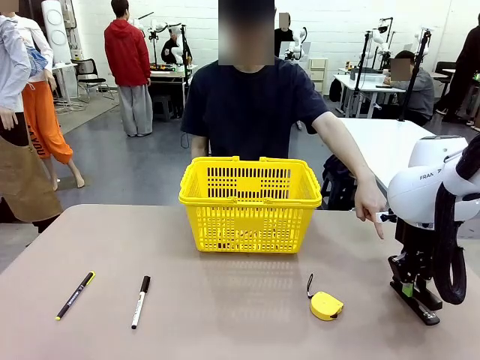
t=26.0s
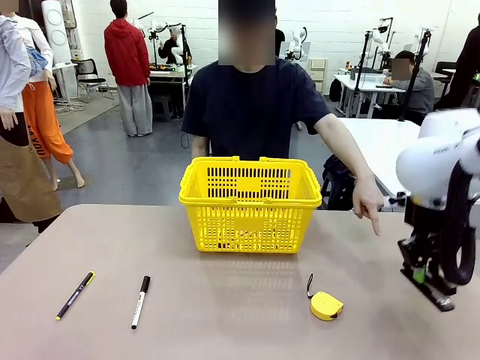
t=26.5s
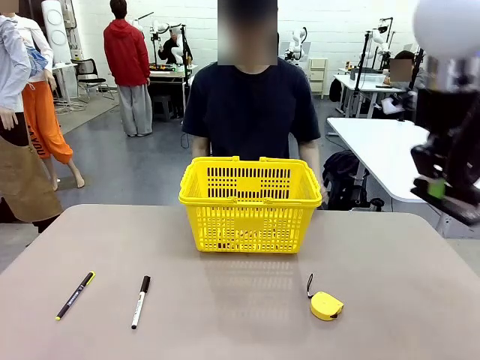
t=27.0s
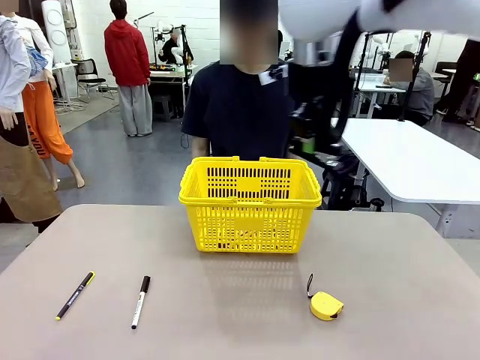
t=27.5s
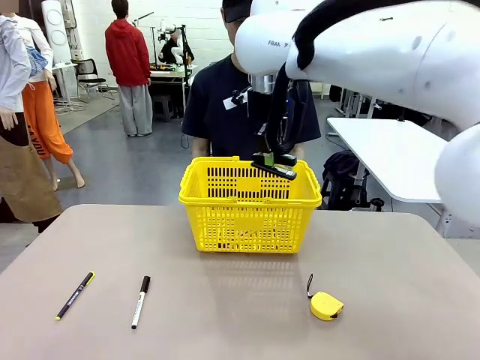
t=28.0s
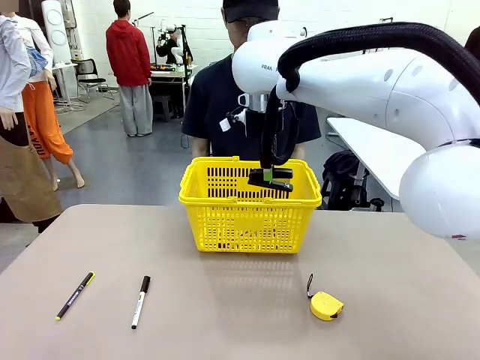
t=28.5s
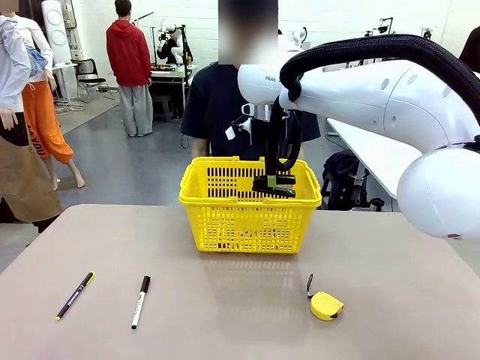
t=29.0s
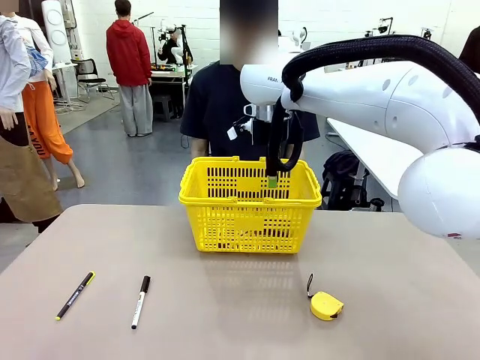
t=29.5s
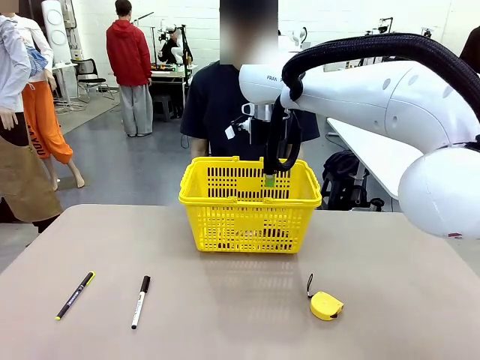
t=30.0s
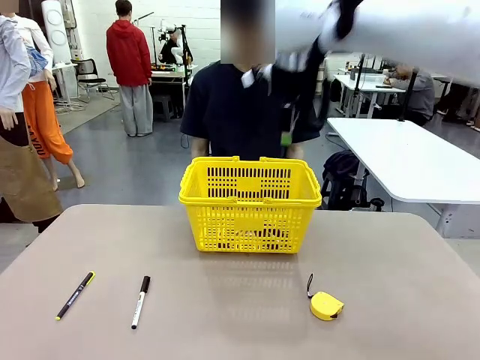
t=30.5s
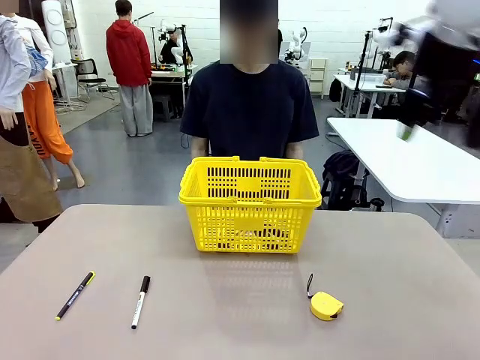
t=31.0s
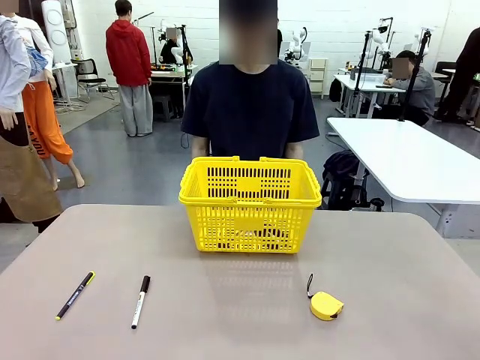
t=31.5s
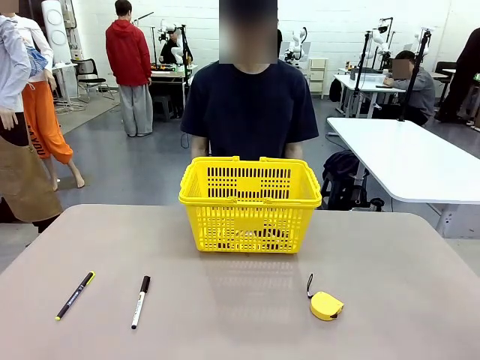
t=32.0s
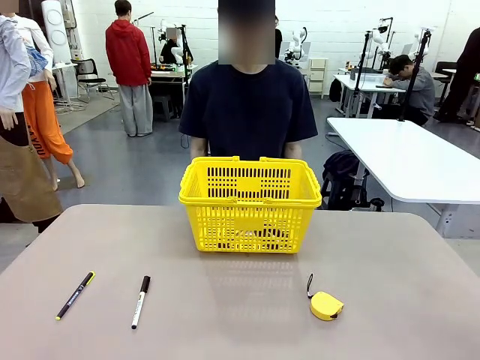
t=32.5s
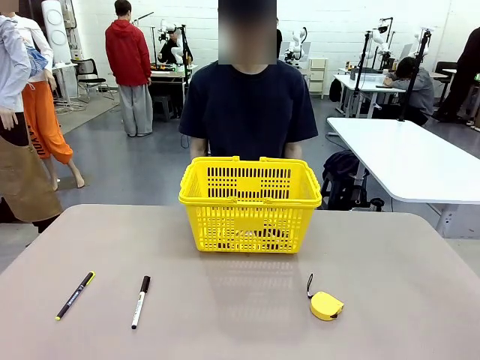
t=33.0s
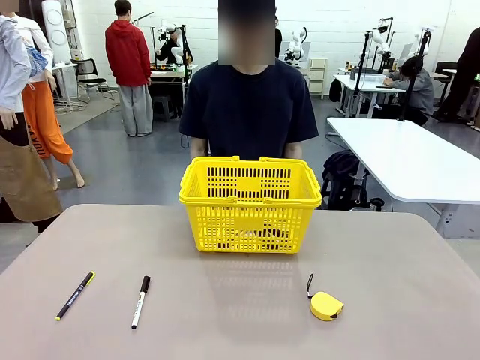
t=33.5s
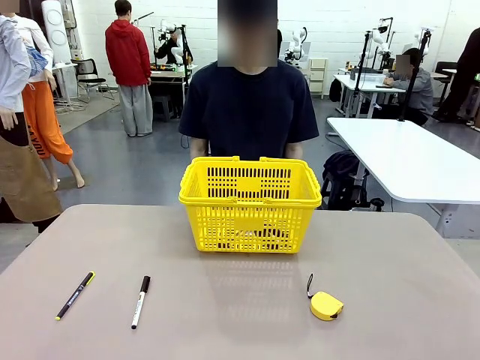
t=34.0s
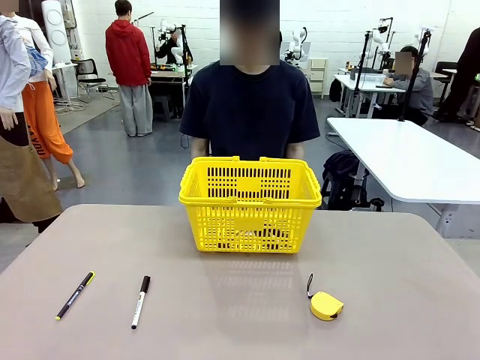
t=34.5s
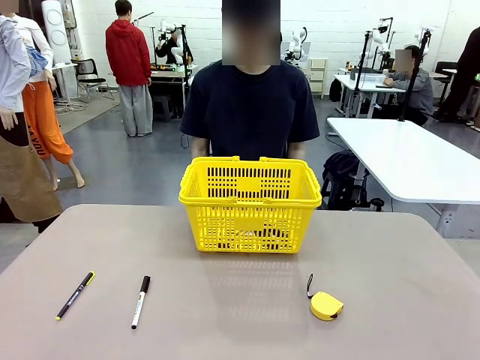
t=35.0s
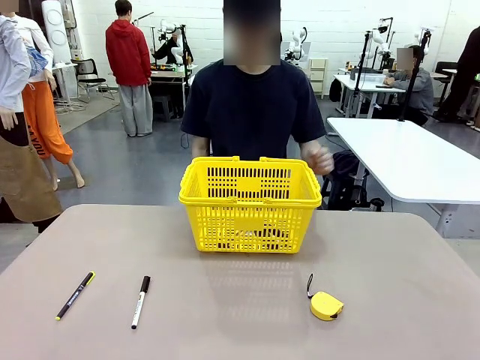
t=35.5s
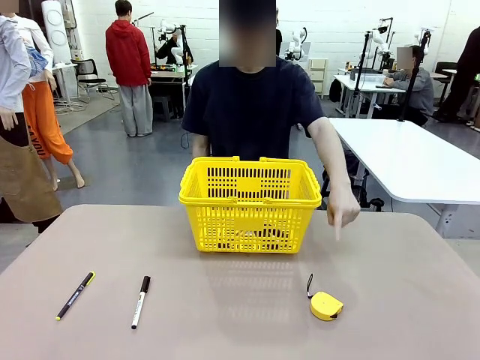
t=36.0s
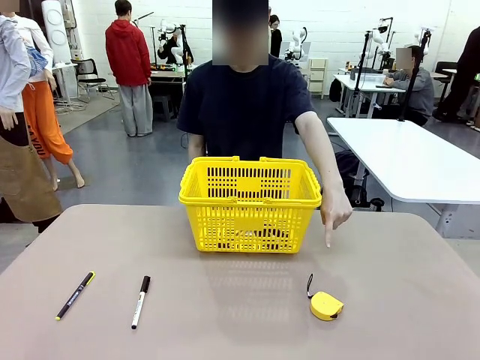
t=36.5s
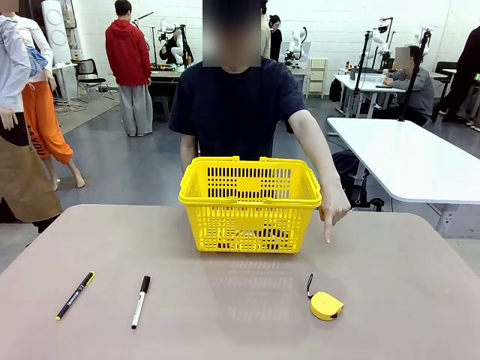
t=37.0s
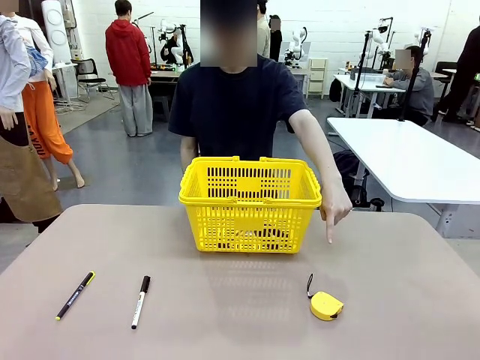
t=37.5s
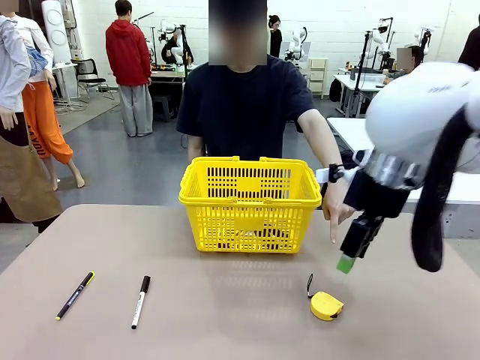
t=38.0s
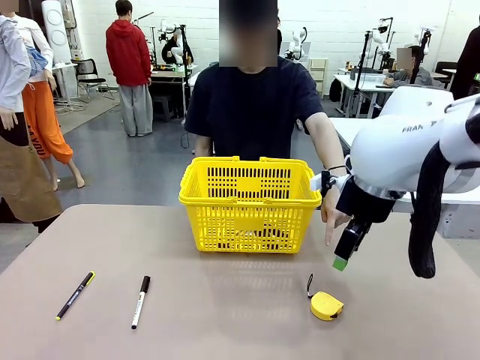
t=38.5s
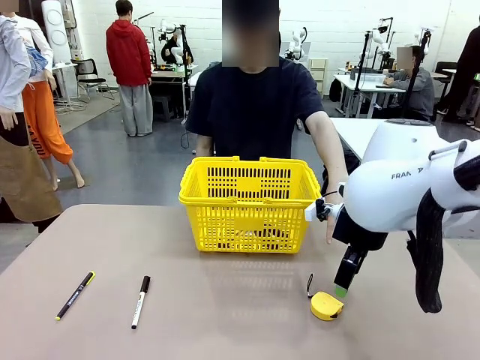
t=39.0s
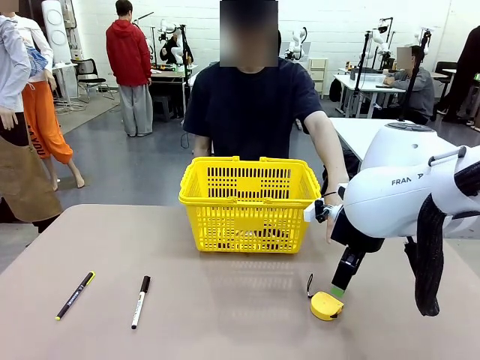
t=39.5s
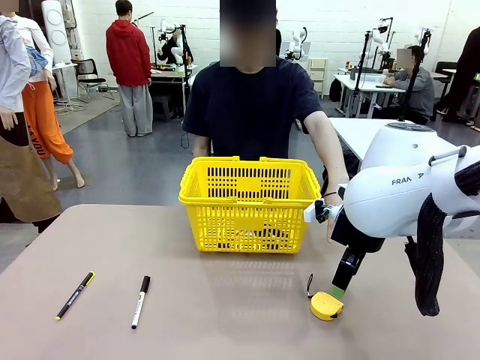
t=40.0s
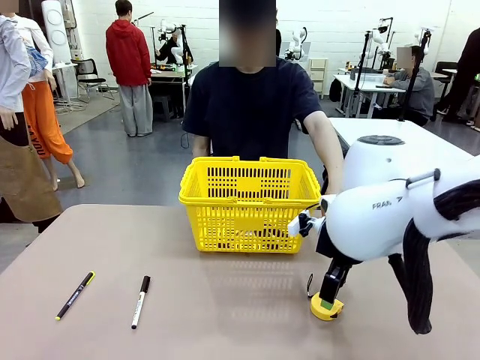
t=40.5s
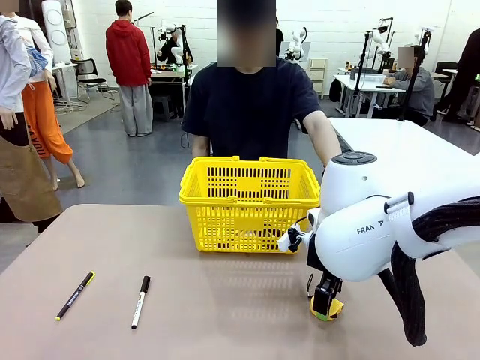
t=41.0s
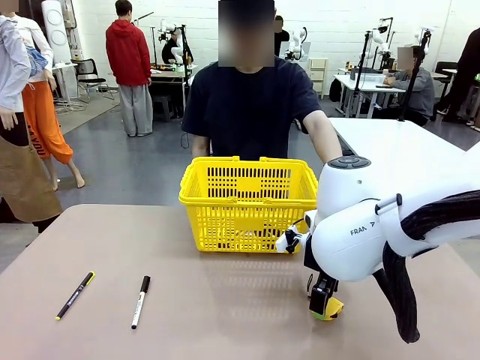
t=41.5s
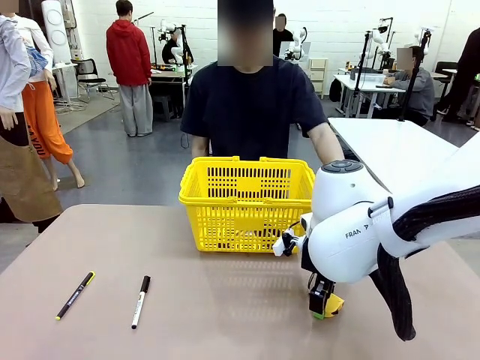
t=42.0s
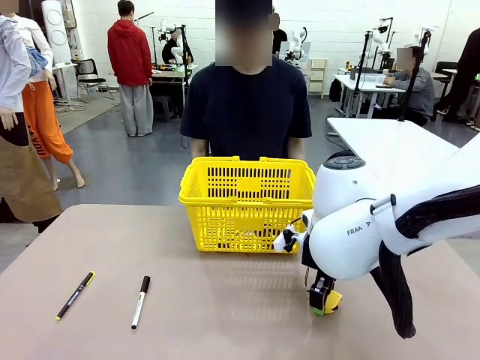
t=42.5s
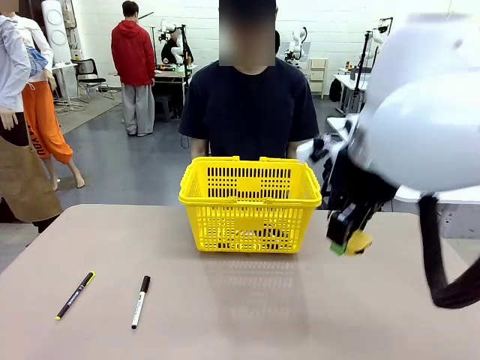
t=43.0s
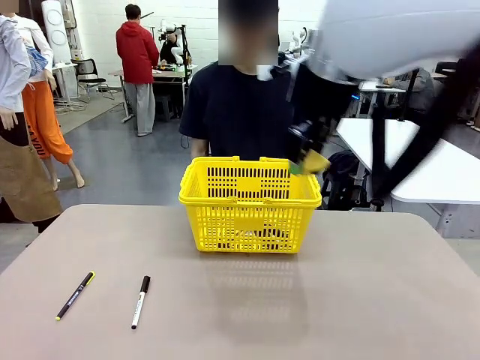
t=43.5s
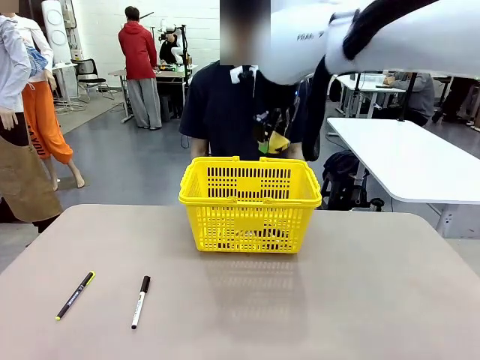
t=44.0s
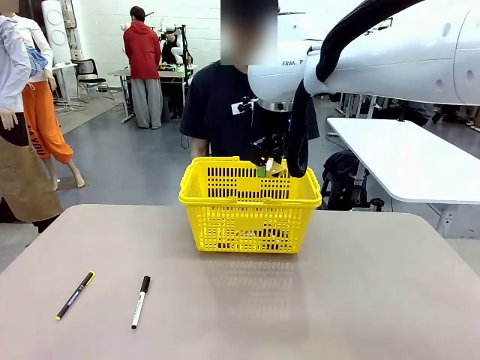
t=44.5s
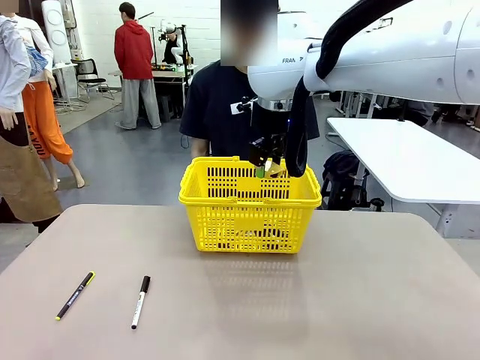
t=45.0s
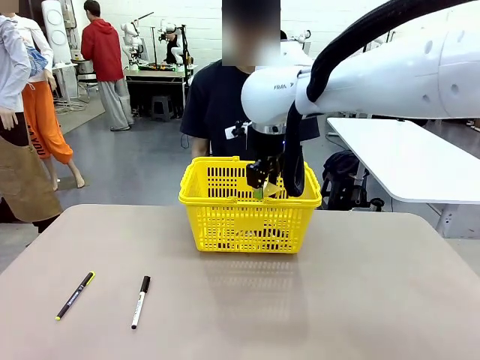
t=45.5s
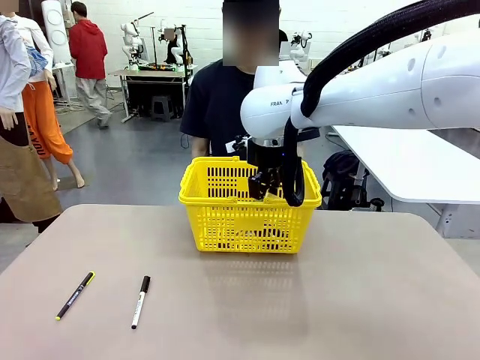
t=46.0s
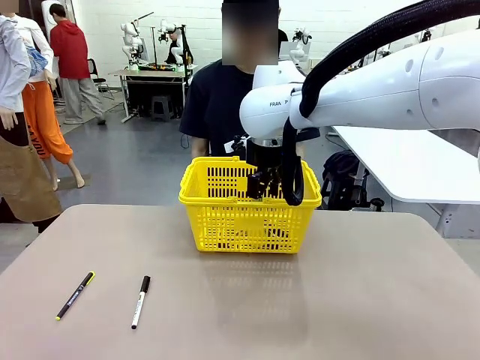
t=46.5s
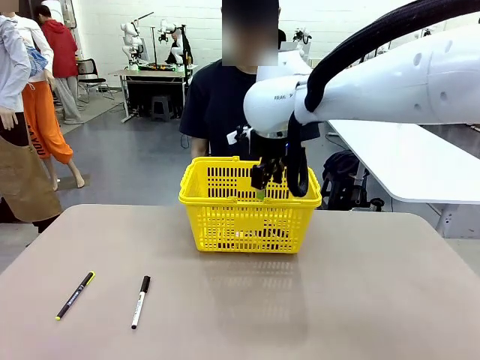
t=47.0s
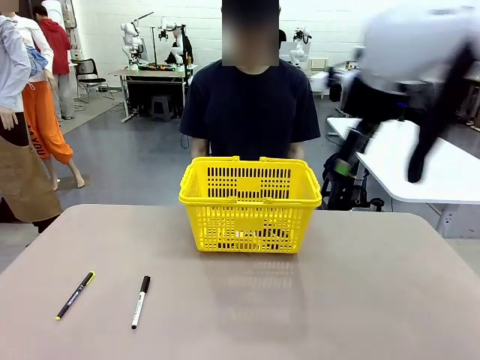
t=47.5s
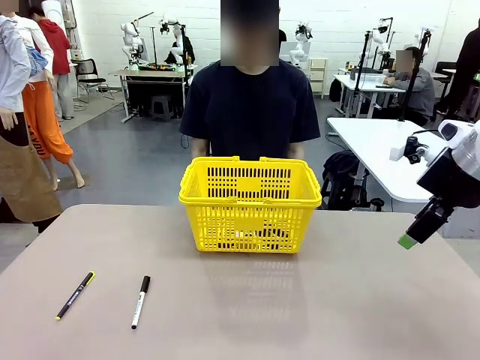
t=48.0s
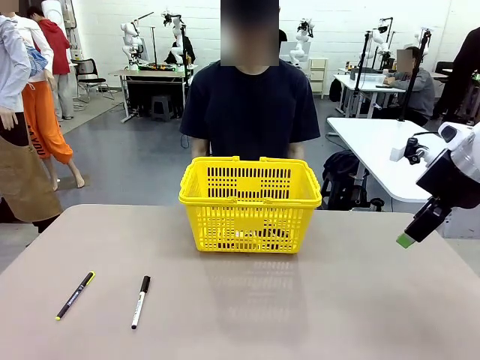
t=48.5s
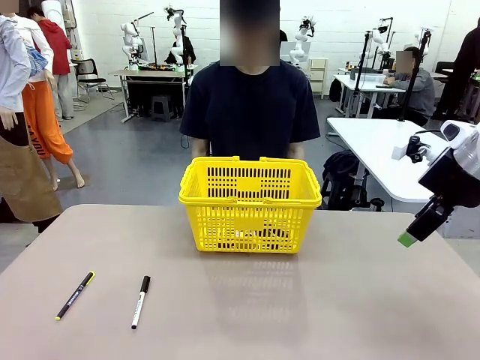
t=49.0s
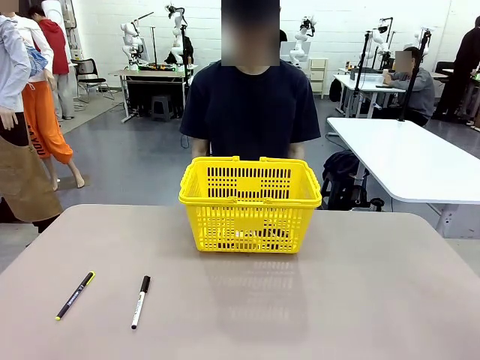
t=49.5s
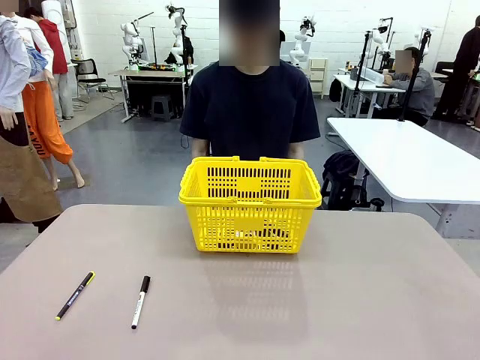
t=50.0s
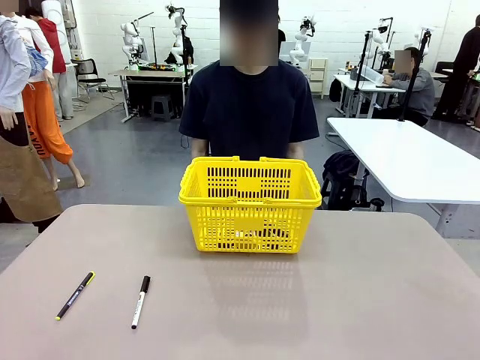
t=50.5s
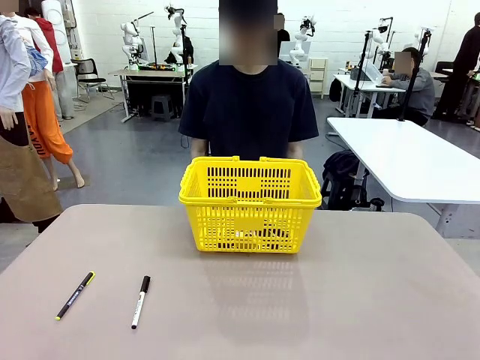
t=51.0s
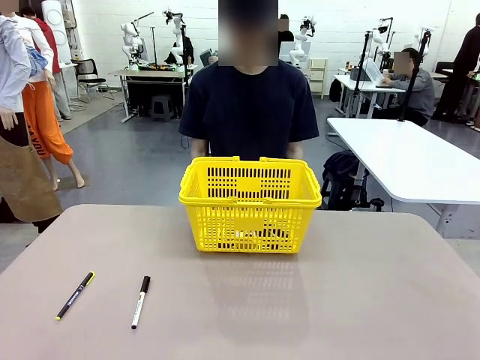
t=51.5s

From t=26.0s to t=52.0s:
Task: Place the items the person wants into the basket.
Robot: Pick up the item the person points to and place it in the Market Basket.
